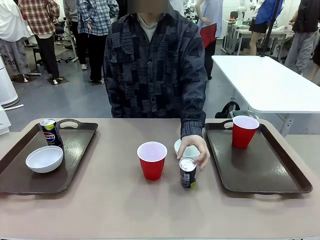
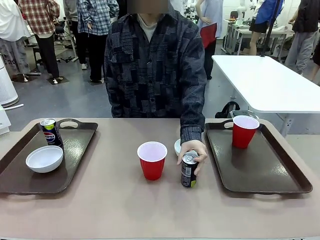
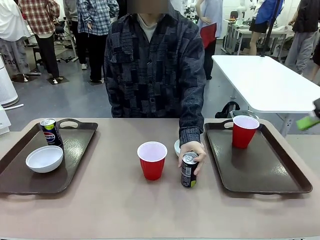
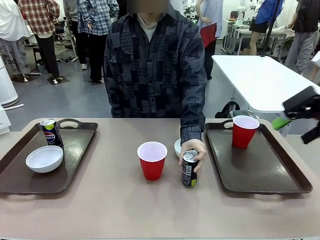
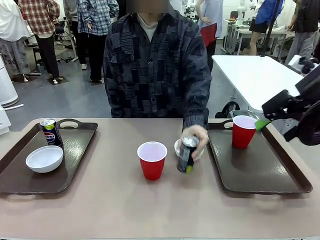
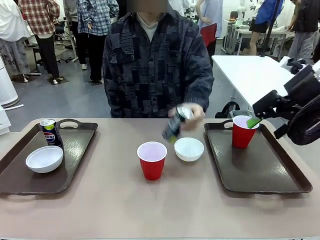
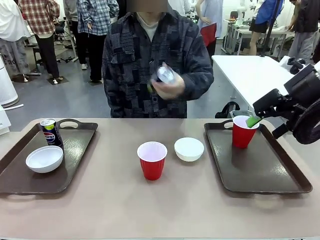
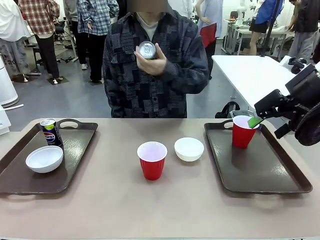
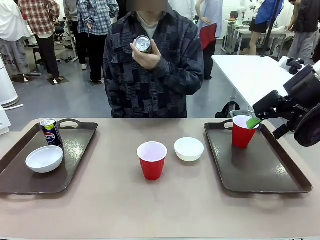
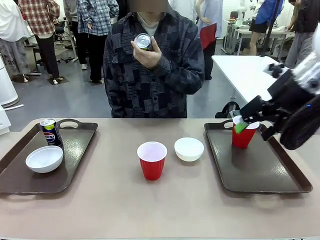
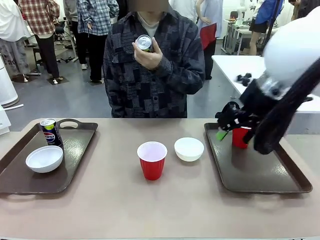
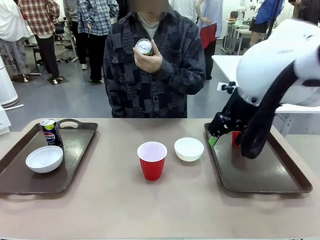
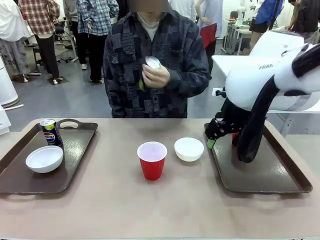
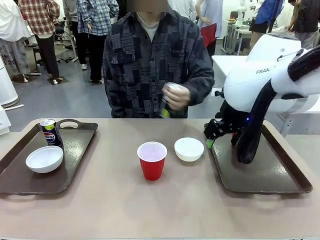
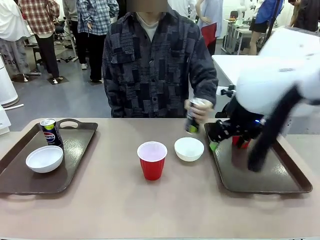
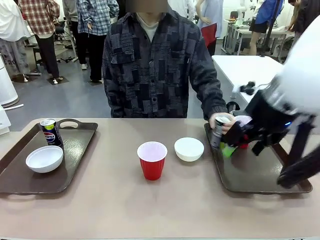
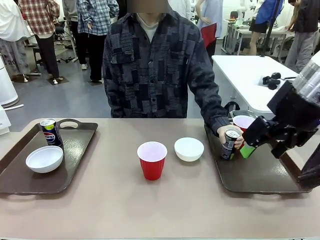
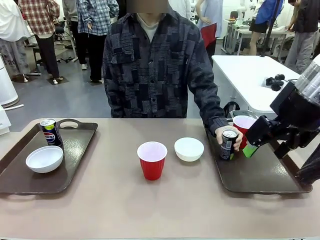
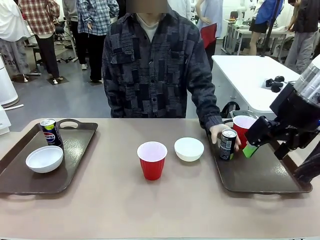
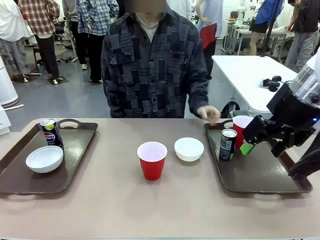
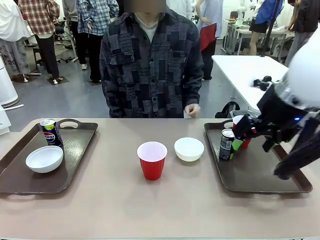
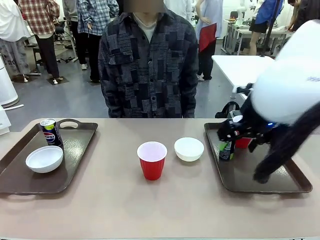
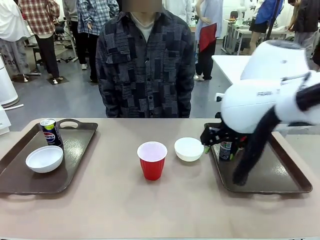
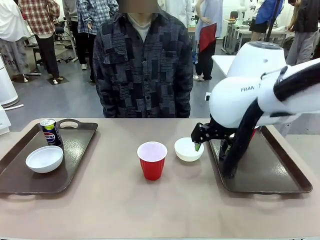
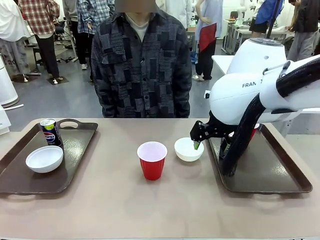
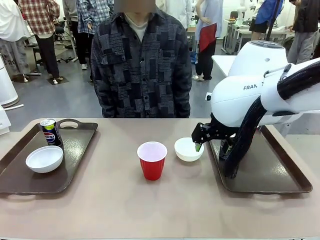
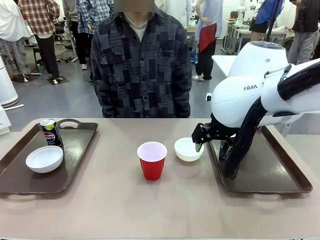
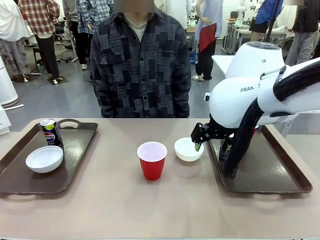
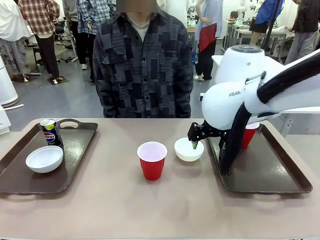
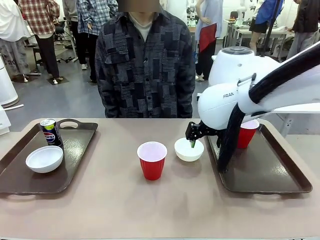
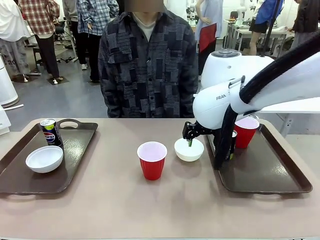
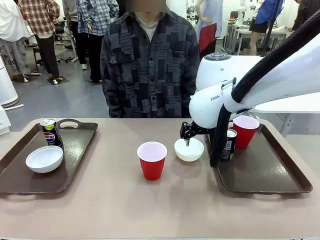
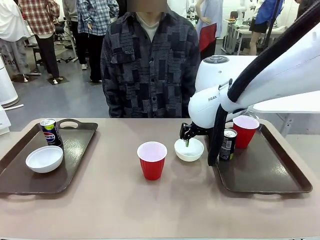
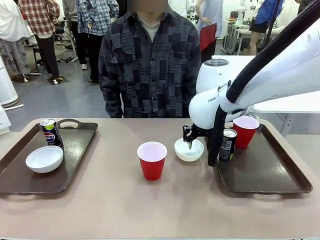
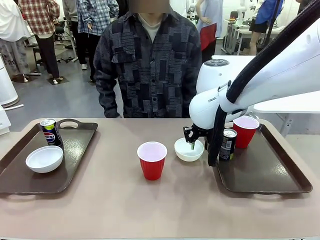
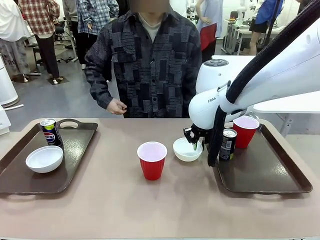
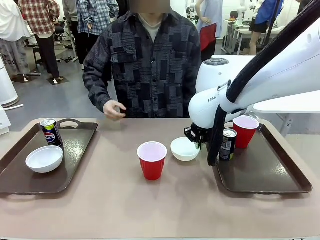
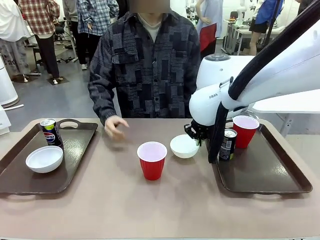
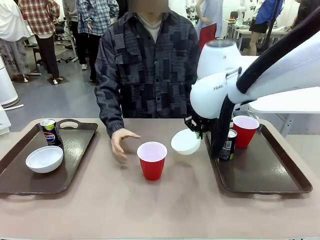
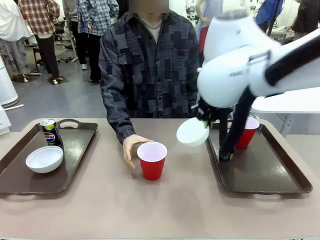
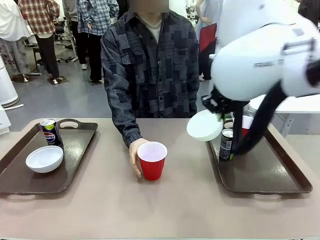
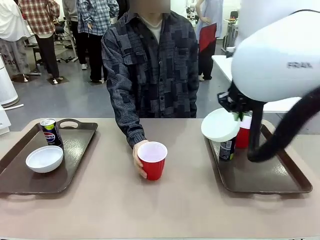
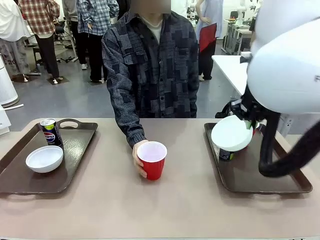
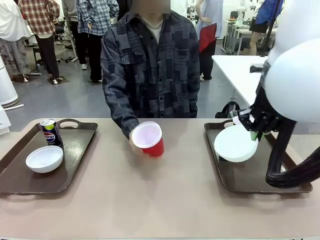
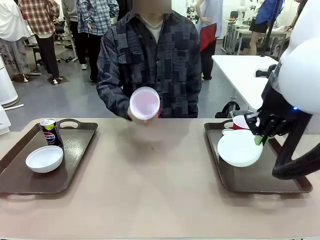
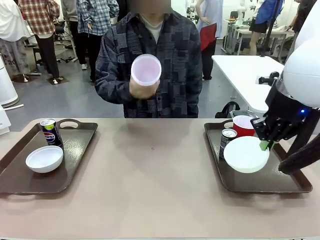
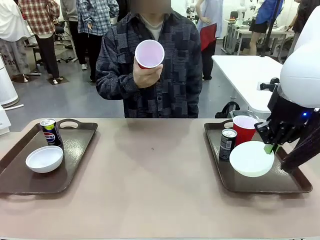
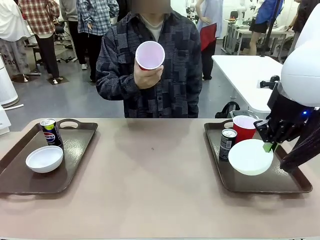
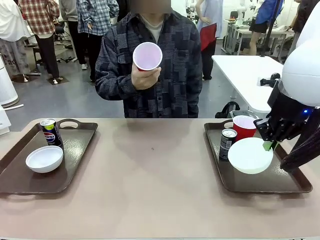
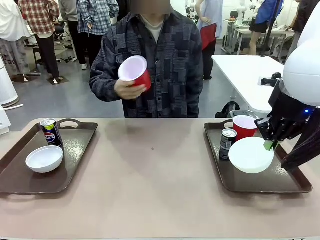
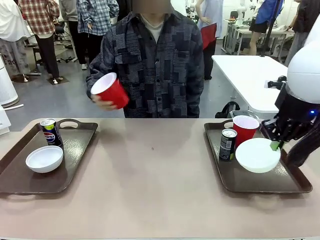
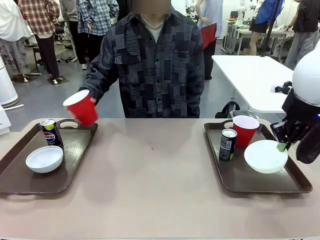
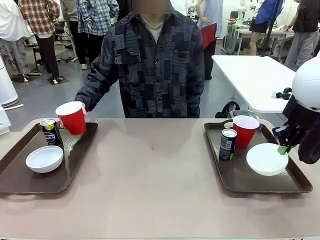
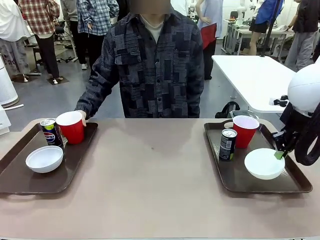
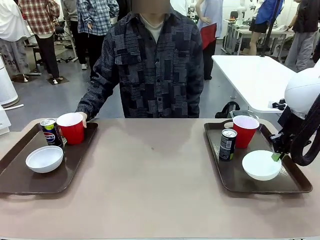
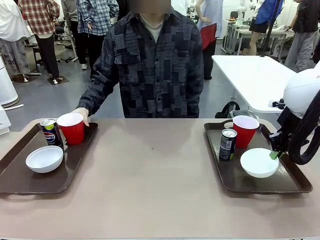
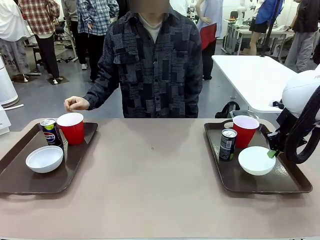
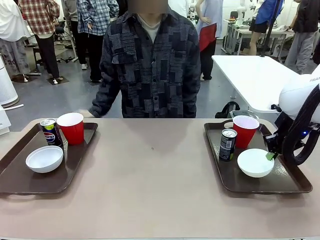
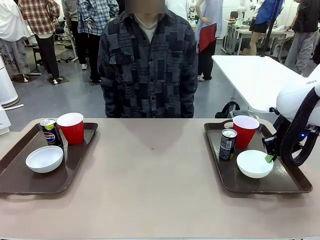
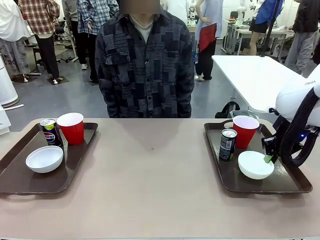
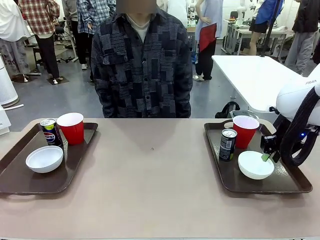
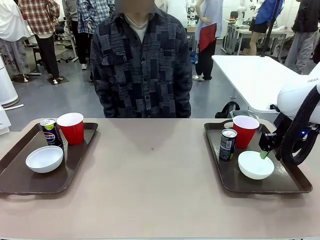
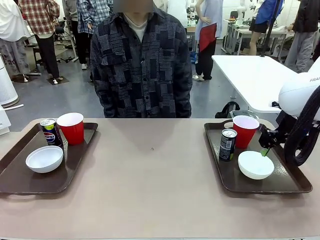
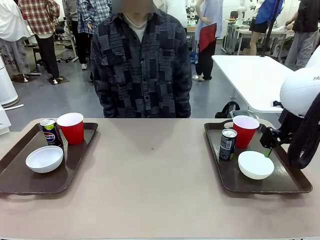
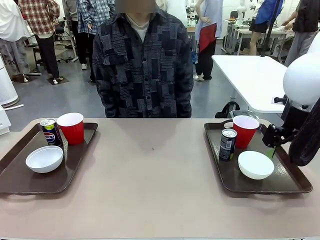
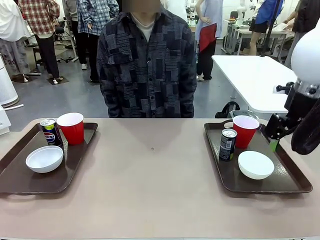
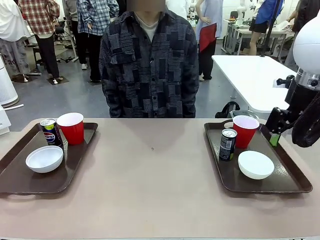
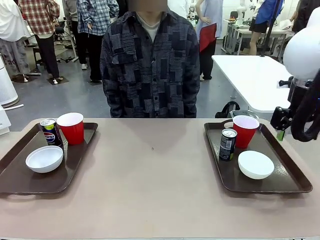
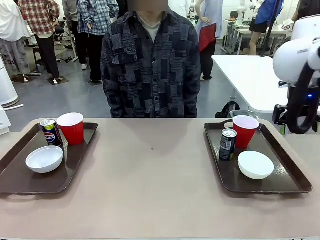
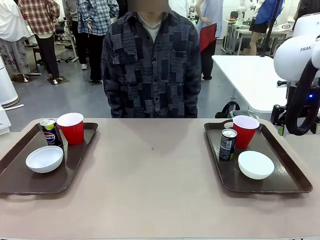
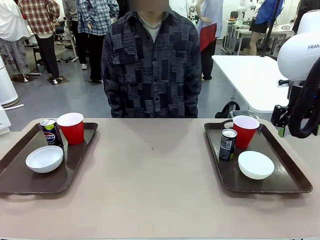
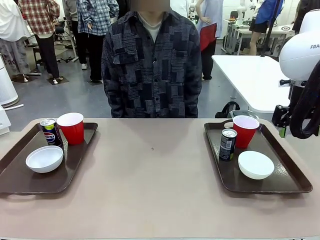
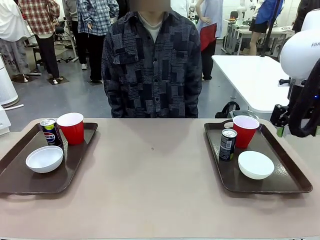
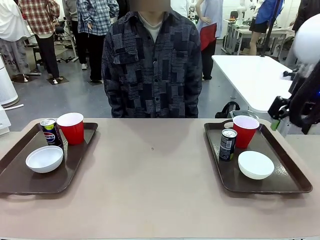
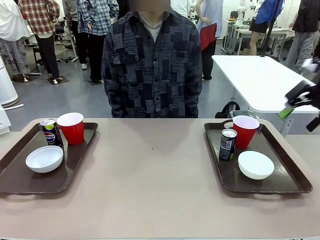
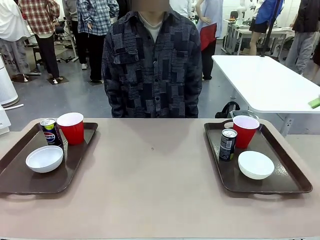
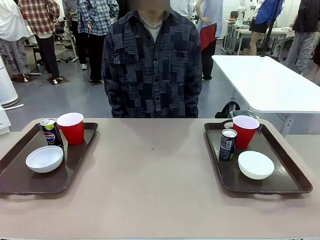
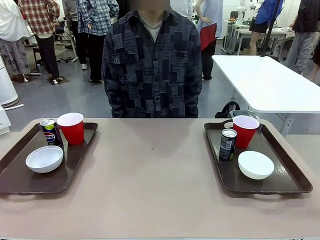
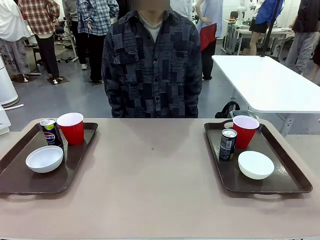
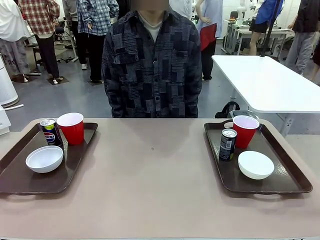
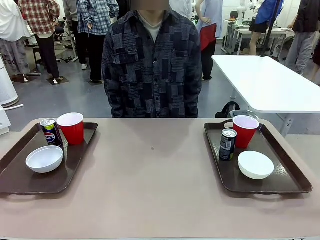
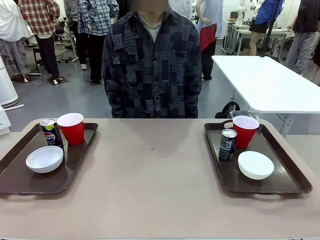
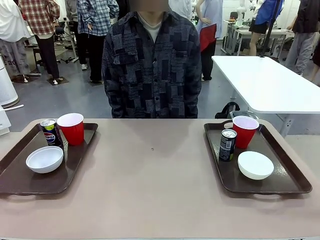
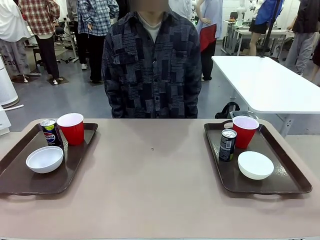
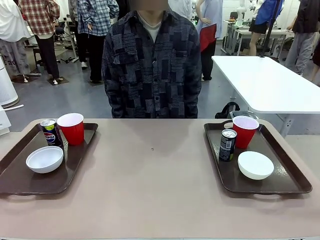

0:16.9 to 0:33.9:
Task: Prepare tableware on both trays.
Robot: Pick up a Picnic Bowl from the table and place it on a Handle tray.
Person: Pick up a can or cup and place it on the tray without a can or cup.
